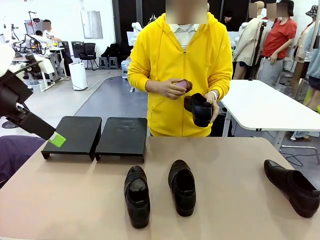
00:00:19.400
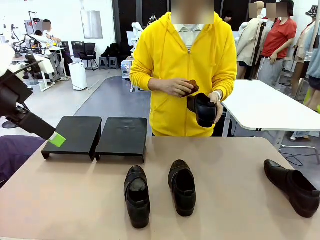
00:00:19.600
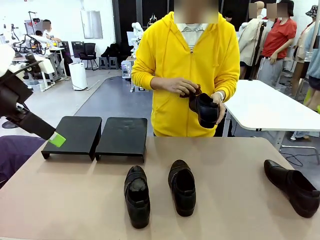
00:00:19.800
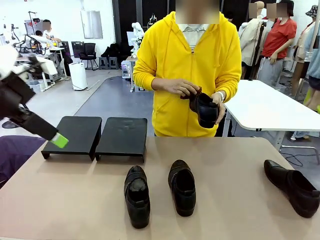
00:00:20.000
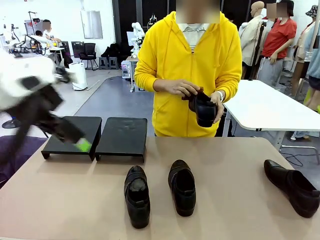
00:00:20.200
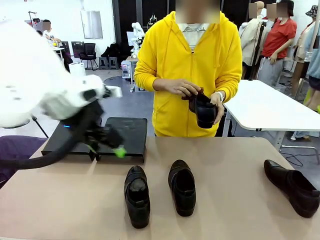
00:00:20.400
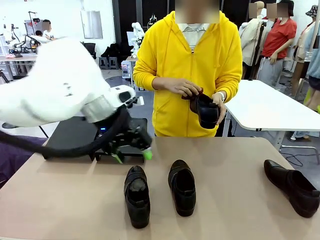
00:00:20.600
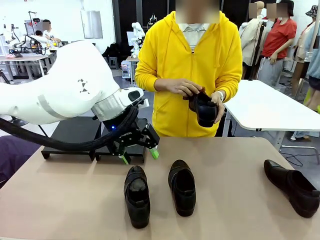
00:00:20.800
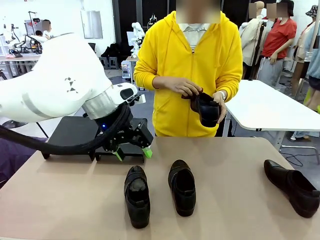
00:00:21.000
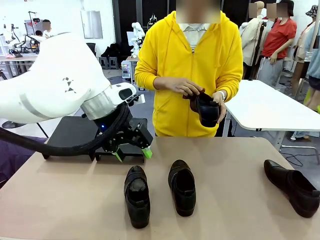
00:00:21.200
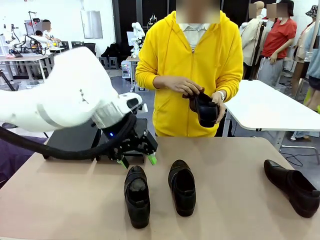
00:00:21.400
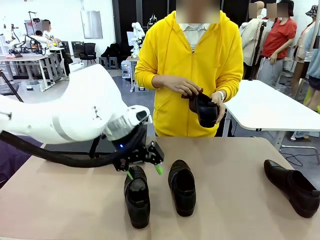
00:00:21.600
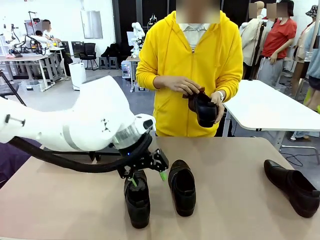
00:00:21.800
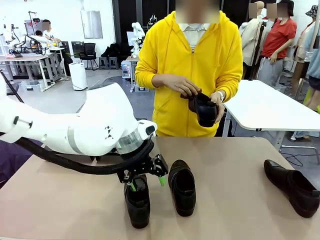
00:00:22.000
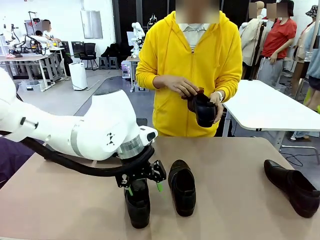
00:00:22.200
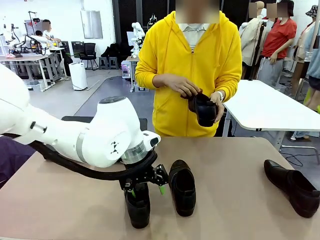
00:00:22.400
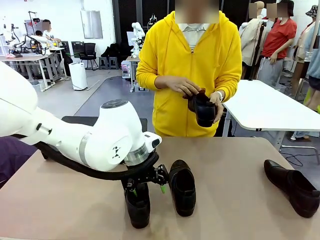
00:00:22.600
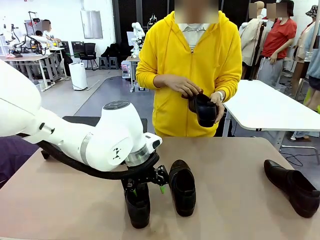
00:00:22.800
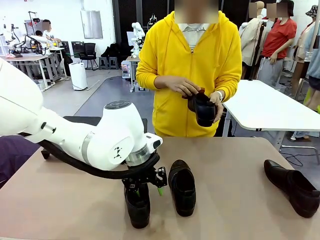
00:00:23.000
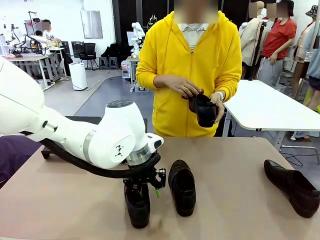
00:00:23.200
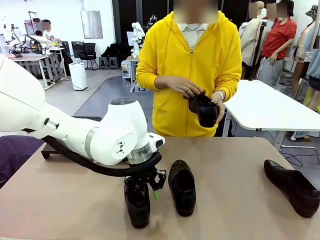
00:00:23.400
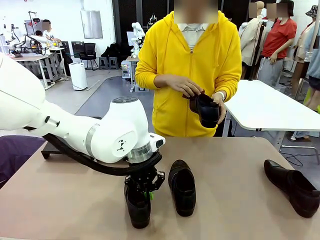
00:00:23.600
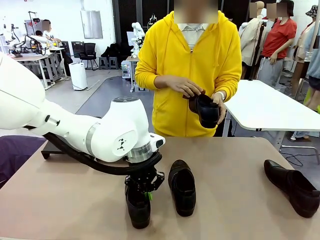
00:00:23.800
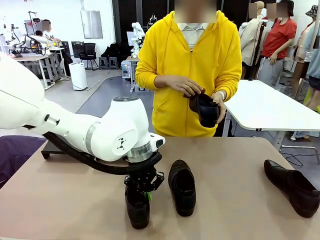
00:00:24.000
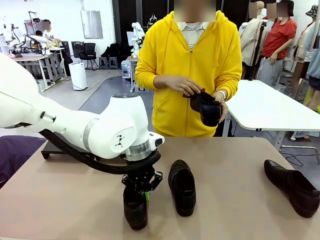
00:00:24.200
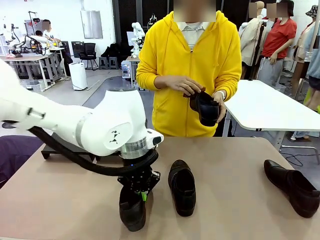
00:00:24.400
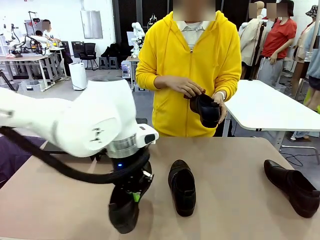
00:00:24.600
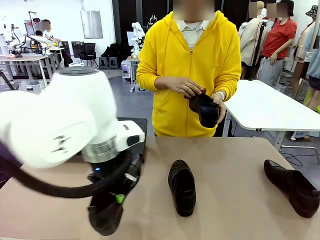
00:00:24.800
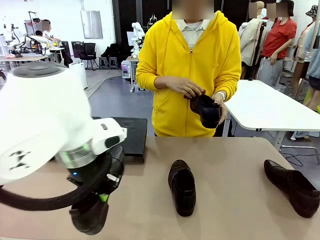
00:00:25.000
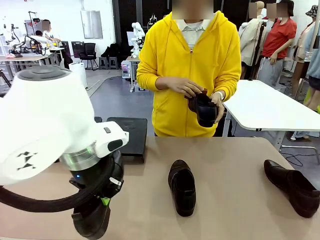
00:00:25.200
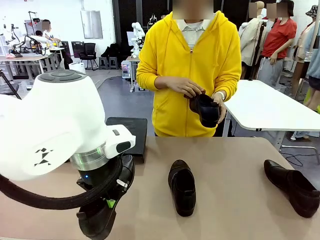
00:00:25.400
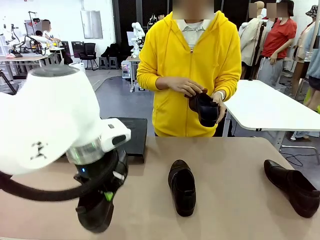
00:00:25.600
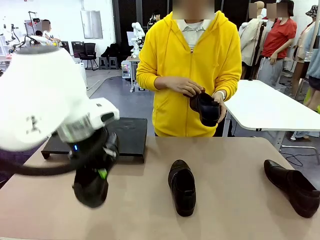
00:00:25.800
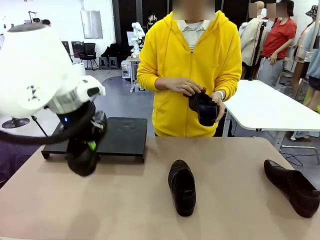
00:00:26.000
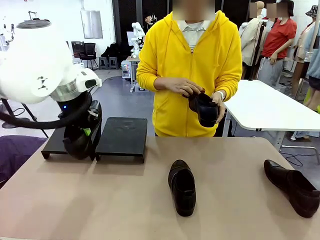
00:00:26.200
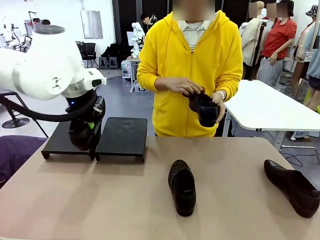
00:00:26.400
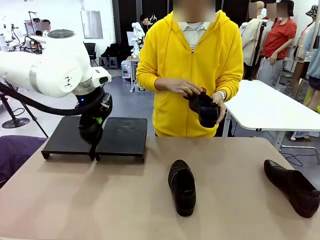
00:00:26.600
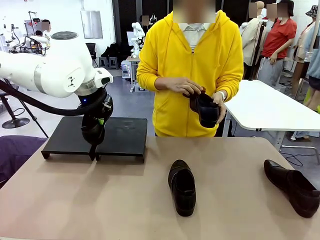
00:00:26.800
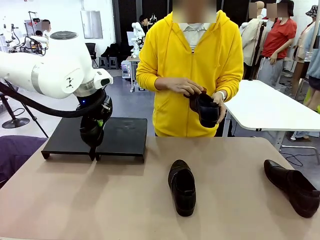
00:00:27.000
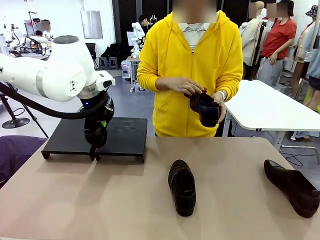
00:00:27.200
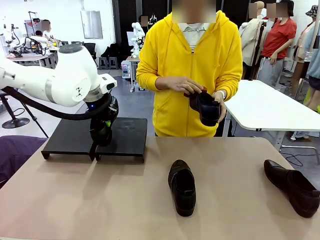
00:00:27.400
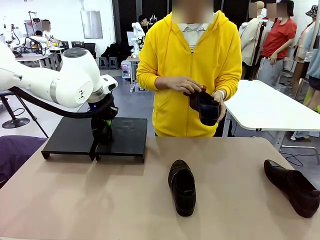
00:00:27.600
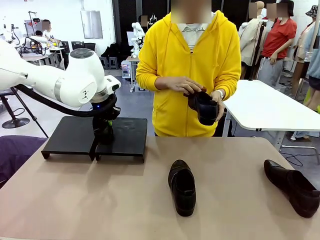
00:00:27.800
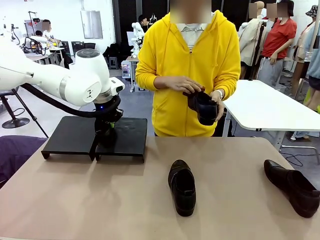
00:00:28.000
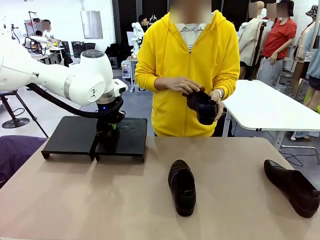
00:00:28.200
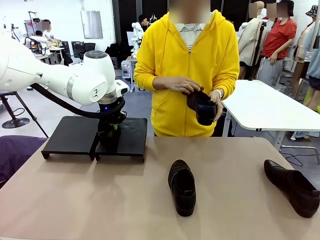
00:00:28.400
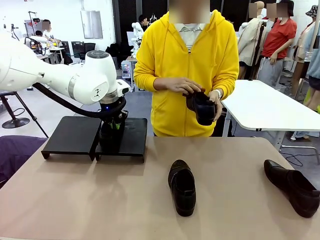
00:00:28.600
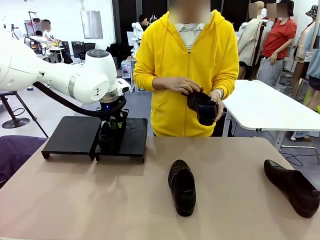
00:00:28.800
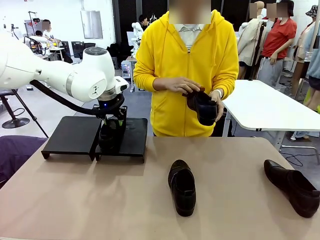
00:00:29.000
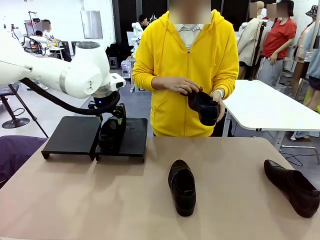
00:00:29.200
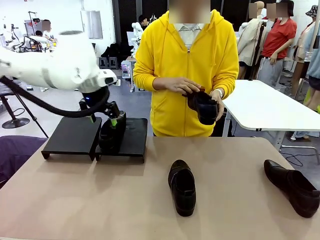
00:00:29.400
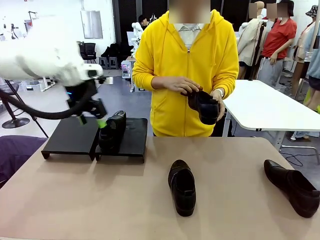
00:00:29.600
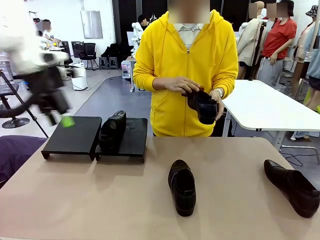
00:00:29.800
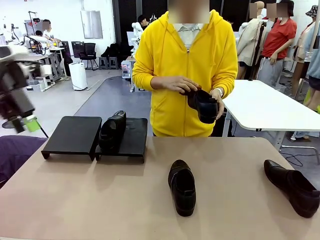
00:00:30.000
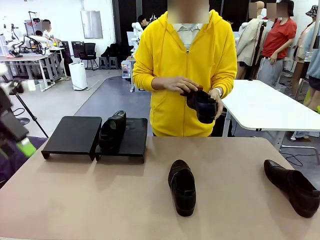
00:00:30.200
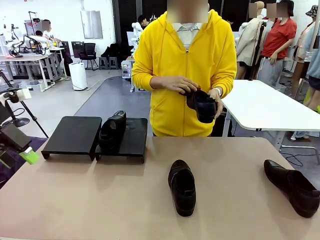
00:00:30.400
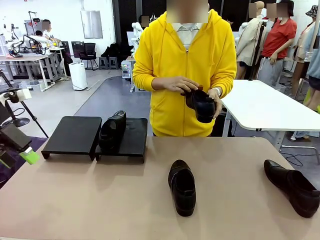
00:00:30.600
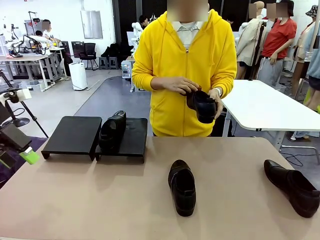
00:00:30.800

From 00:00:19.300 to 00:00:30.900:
Task: Organize the shoes by placing them on the stand.
Robot: Place the Shoe from the middle of the table onto the Shoes Stand.
Person: Clean the Shoe with the Shoe Brush.

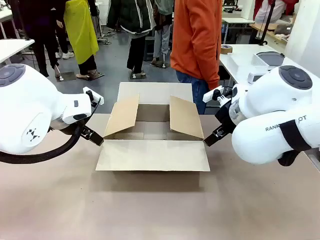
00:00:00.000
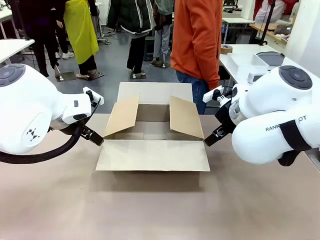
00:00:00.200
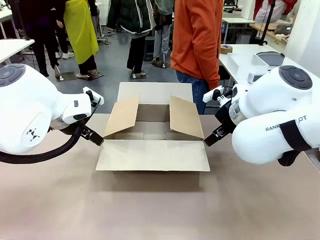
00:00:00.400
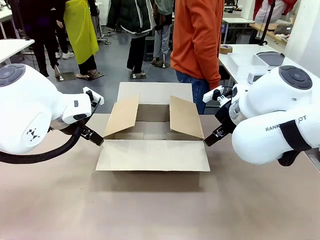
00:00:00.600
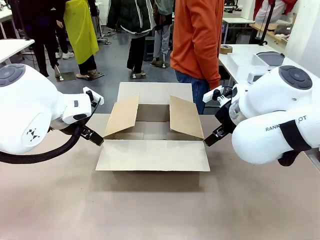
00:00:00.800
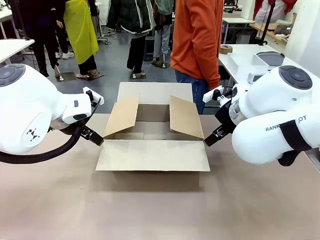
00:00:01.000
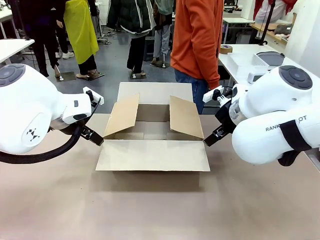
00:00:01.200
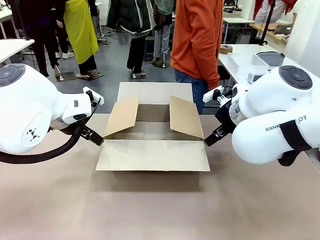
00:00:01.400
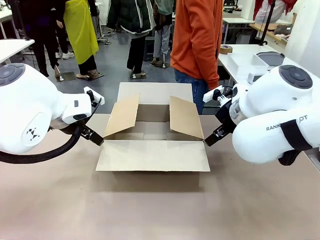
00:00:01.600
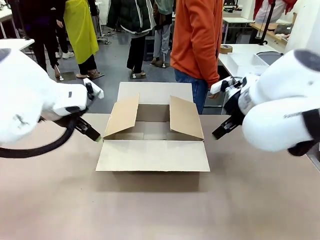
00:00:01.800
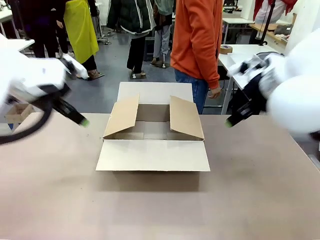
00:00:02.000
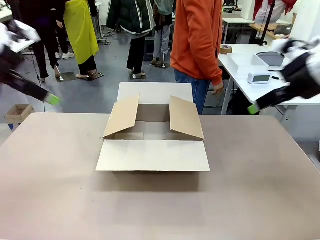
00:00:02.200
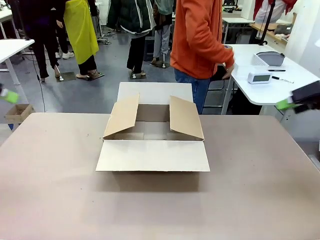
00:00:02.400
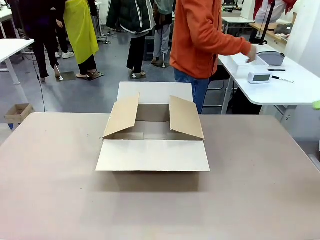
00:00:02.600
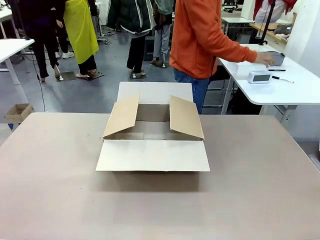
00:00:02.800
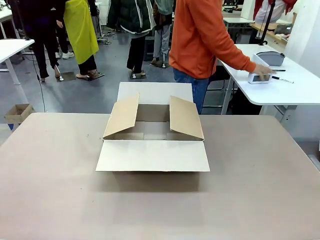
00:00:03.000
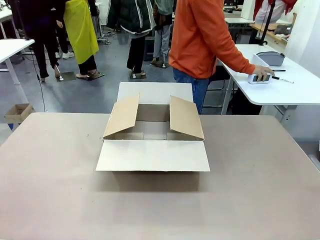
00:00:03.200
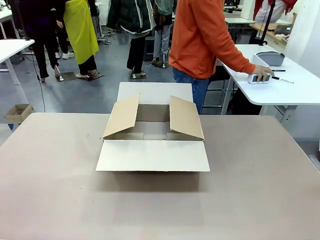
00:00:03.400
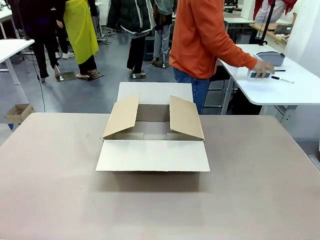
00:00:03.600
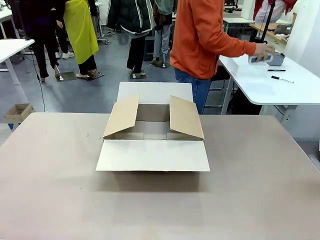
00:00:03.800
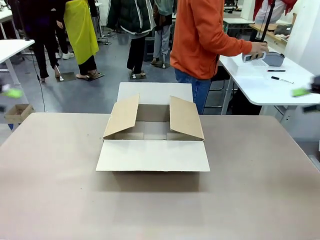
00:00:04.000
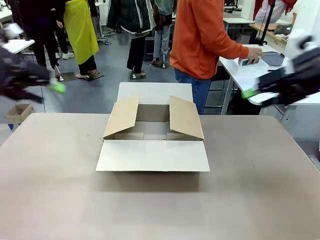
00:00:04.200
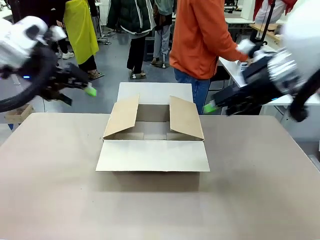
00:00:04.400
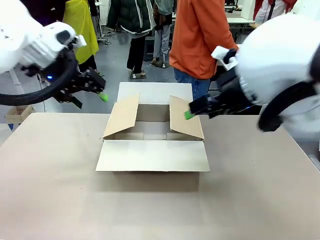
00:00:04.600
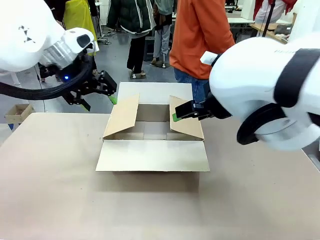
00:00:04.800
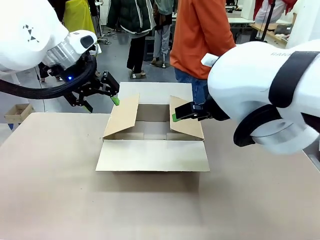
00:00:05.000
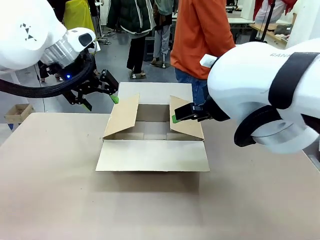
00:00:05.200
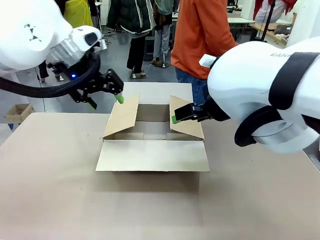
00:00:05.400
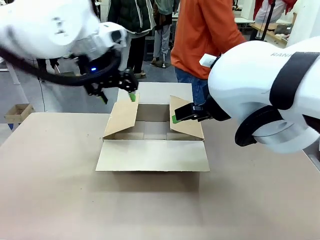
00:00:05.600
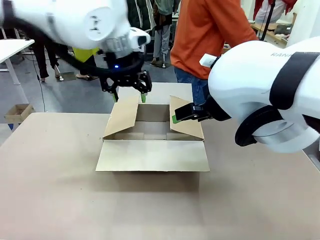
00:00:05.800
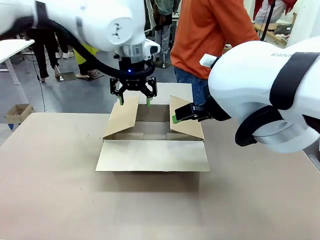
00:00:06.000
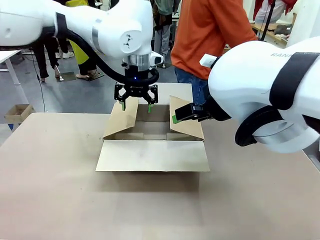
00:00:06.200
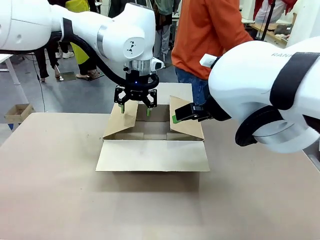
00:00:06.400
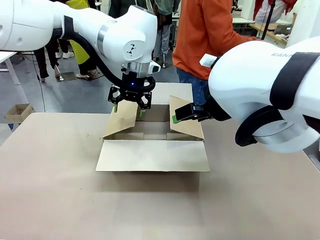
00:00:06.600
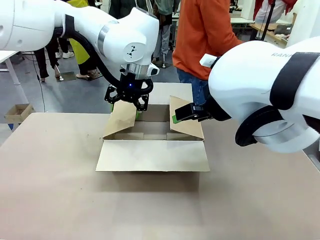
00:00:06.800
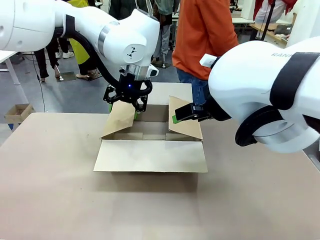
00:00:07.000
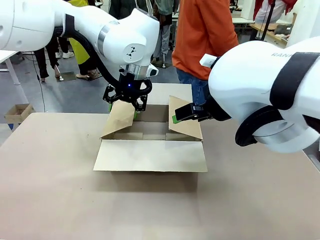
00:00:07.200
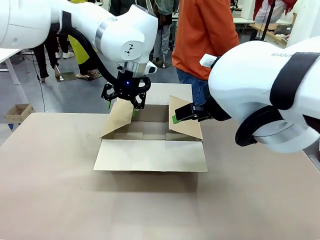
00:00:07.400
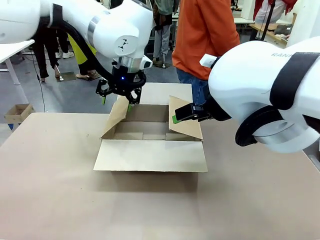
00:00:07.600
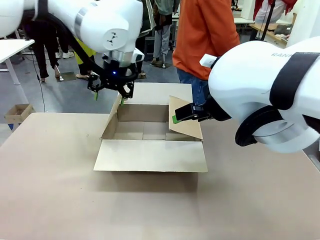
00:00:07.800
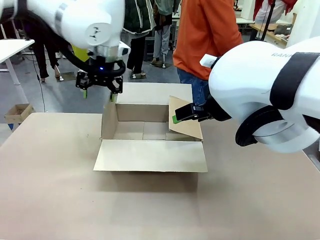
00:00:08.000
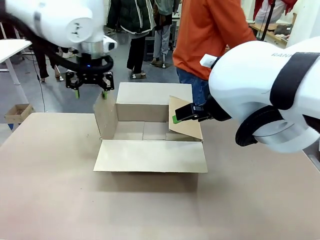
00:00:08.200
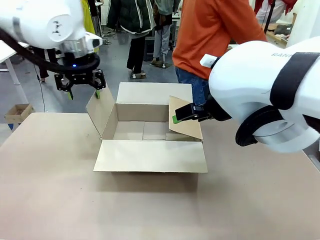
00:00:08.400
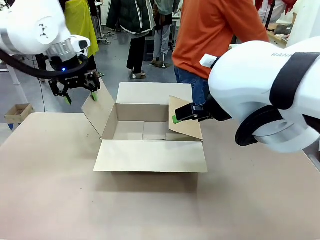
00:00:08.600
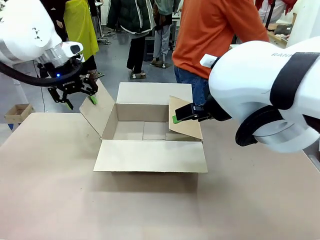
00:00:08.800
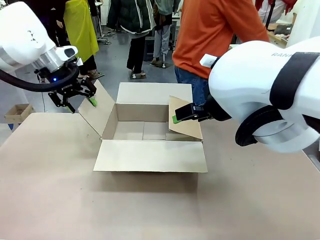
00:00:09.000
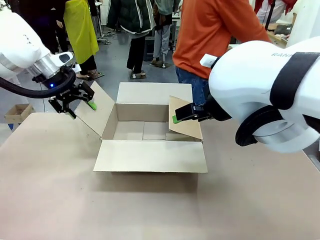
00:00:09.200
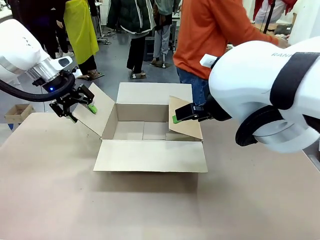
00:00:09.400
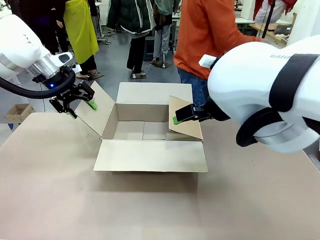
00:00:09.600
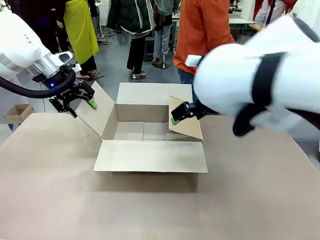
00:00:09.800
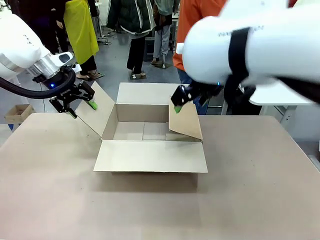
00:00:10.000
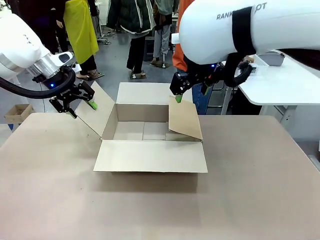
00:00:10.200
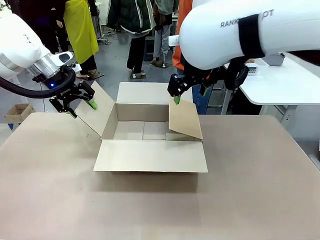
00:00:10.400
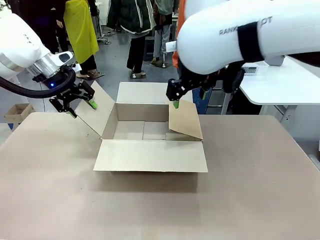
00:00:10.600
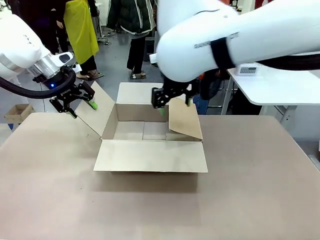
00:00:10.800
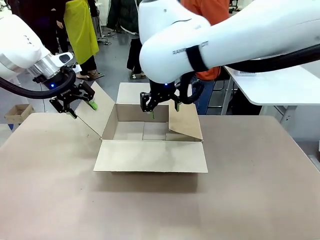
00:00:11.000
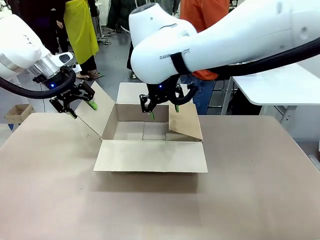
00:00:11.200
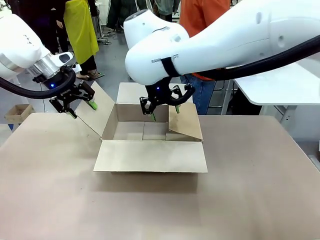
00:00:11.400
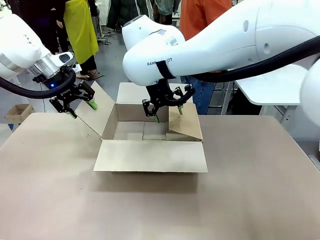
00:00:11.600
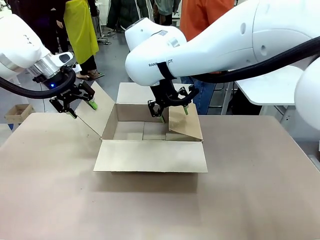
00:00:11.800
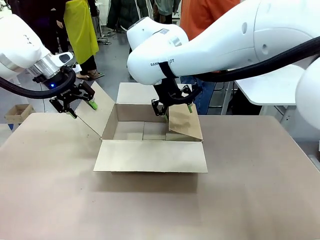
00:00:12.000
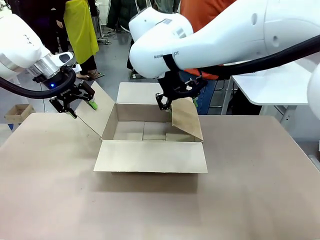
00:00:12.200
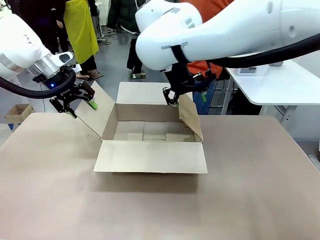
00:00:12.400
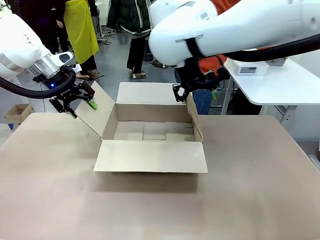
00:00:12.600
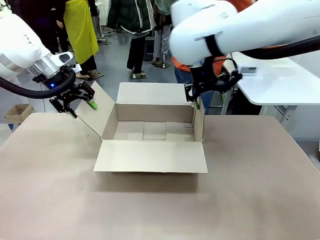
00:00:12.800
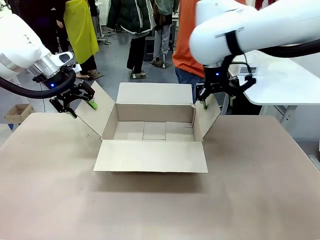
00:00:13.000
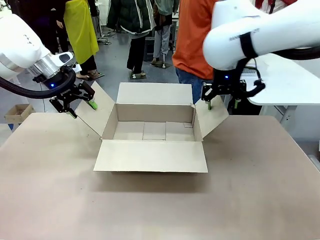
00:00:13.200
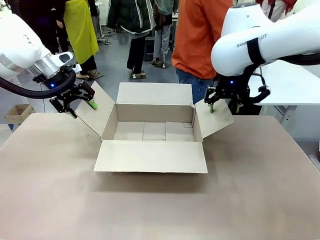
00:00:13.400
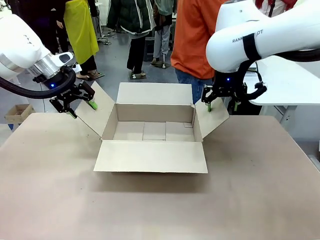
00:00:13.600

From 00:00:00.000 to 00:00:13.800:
Task: Pack the gift set into the box.
Robot: Place both hands on the side flaps of the Package Box and spread them outward.
Person: The human places all items except the paper tape into the organizing basket.
